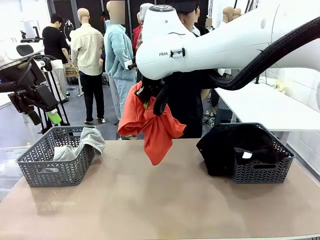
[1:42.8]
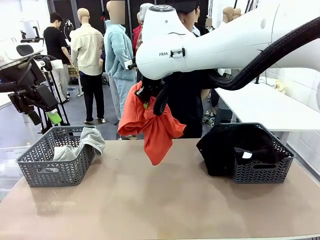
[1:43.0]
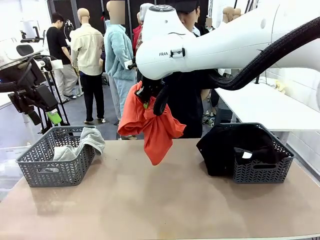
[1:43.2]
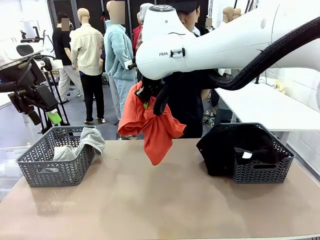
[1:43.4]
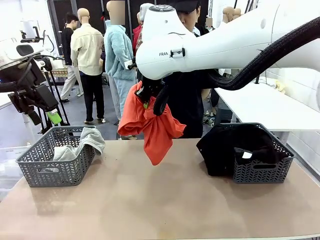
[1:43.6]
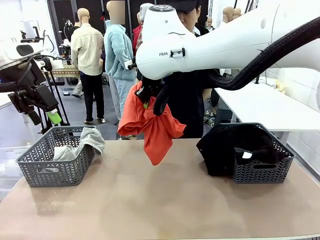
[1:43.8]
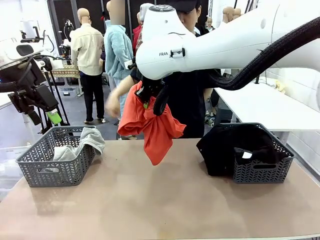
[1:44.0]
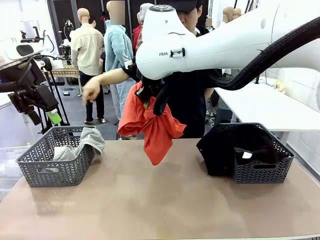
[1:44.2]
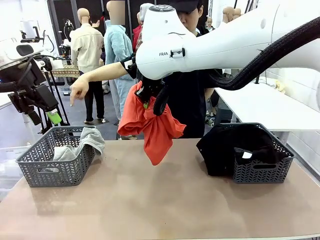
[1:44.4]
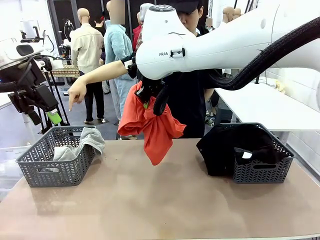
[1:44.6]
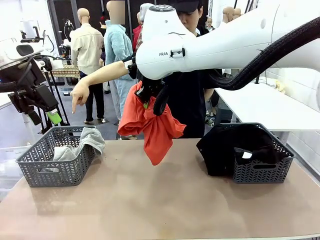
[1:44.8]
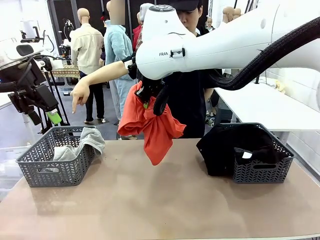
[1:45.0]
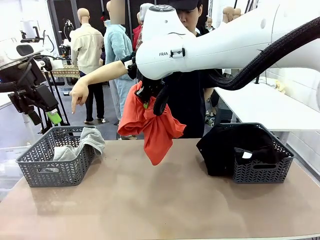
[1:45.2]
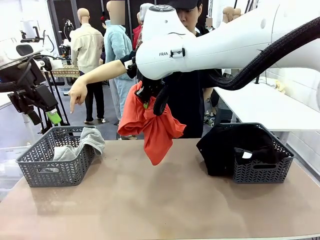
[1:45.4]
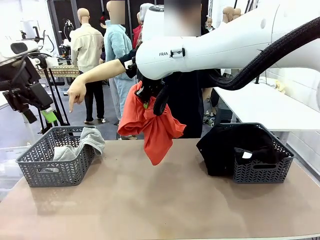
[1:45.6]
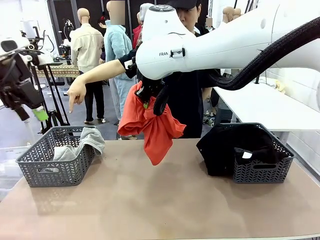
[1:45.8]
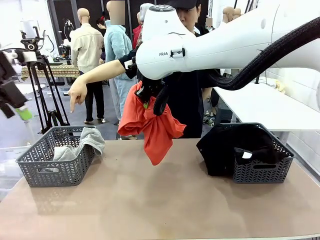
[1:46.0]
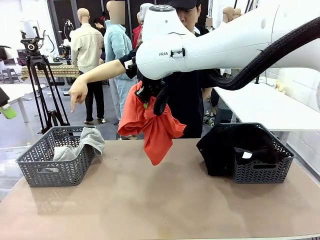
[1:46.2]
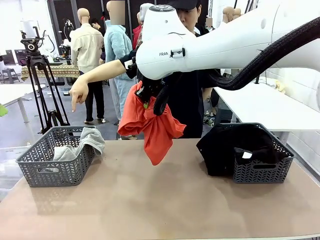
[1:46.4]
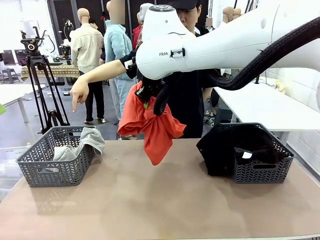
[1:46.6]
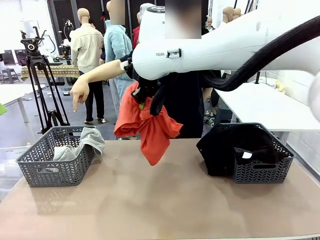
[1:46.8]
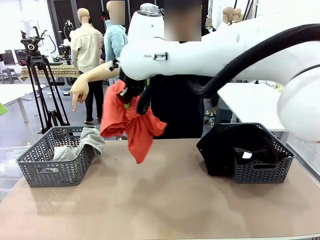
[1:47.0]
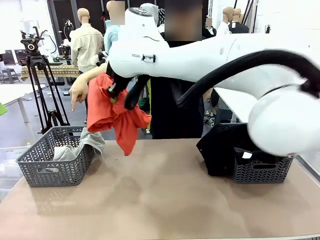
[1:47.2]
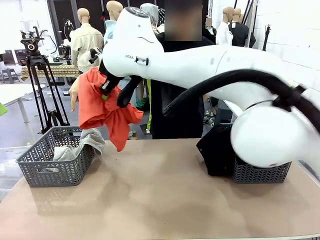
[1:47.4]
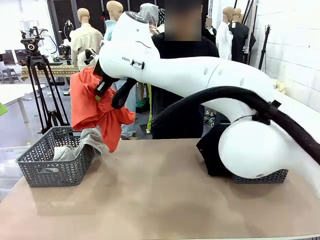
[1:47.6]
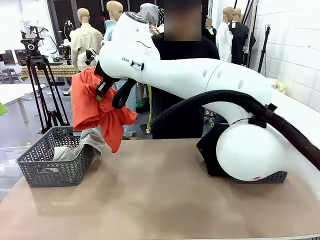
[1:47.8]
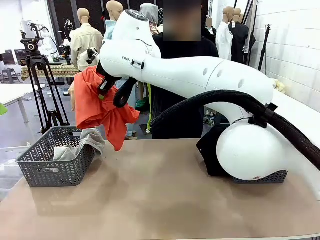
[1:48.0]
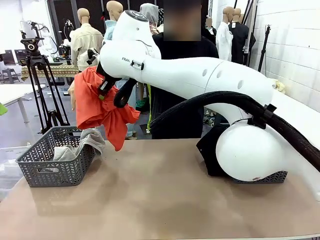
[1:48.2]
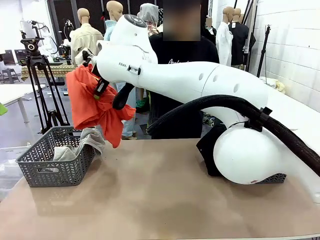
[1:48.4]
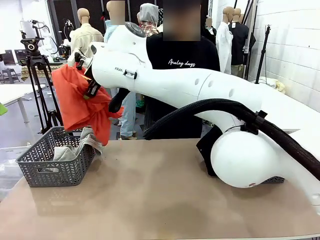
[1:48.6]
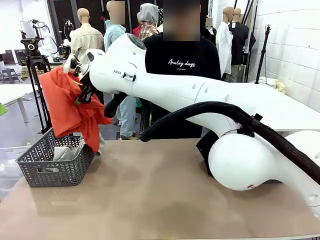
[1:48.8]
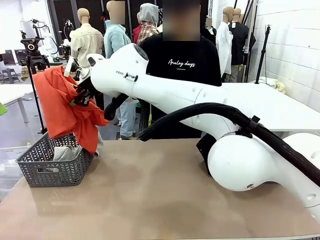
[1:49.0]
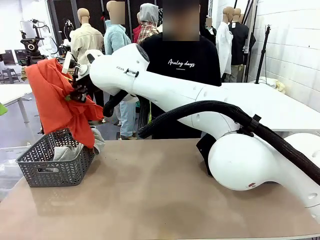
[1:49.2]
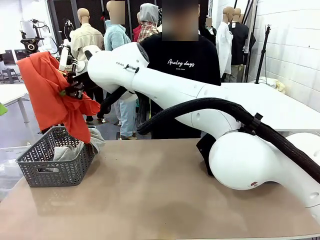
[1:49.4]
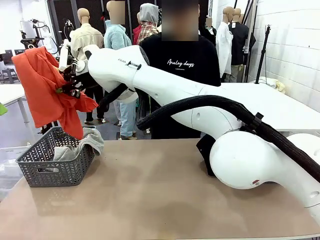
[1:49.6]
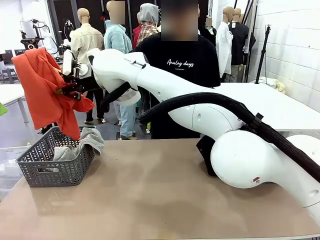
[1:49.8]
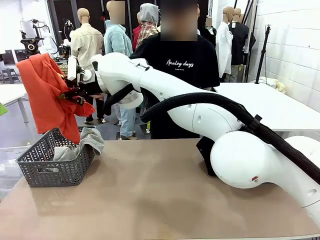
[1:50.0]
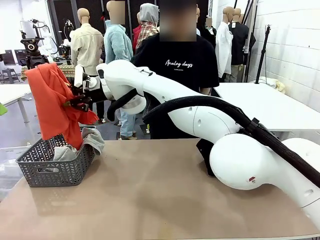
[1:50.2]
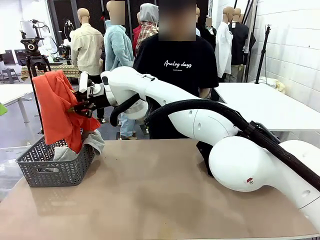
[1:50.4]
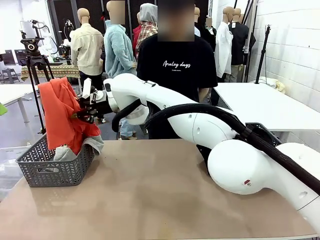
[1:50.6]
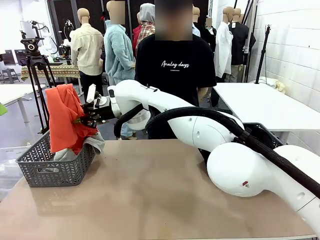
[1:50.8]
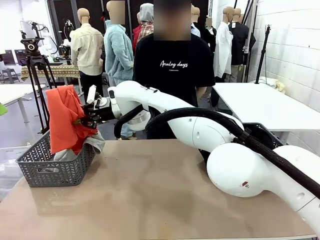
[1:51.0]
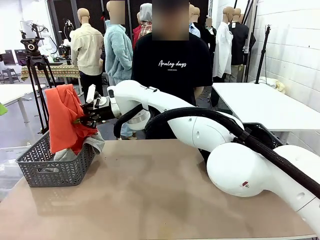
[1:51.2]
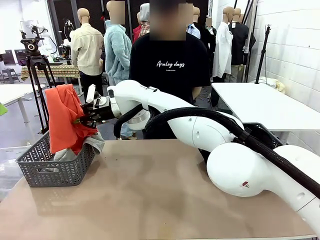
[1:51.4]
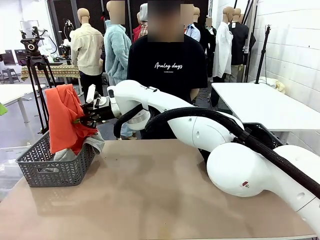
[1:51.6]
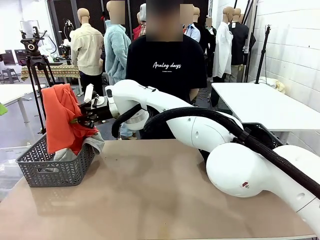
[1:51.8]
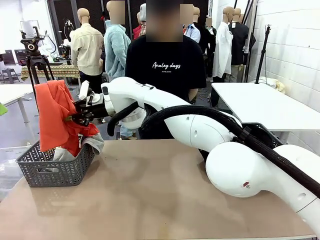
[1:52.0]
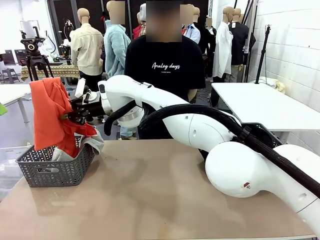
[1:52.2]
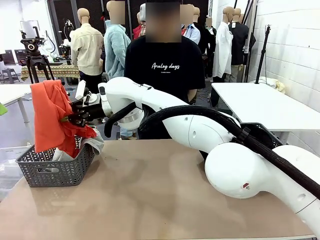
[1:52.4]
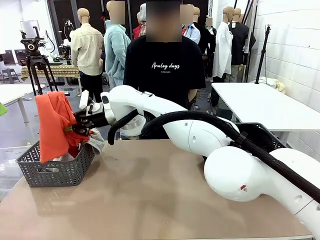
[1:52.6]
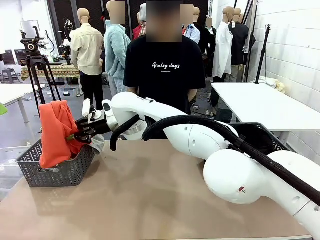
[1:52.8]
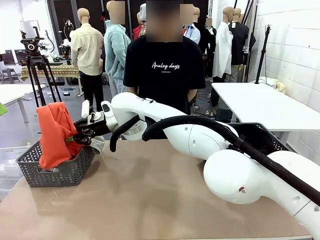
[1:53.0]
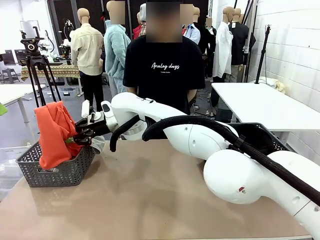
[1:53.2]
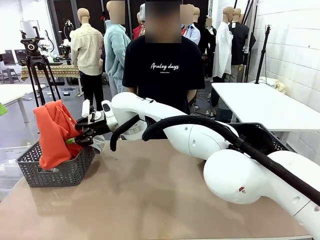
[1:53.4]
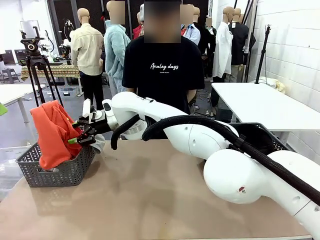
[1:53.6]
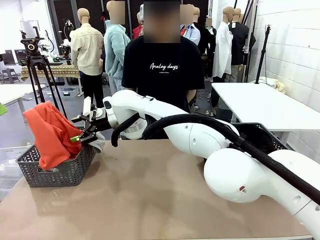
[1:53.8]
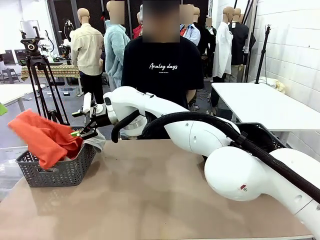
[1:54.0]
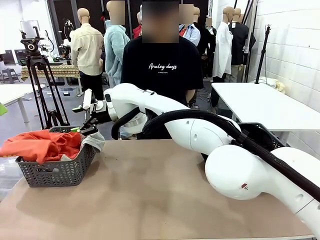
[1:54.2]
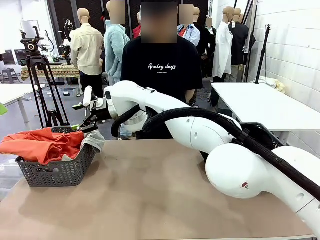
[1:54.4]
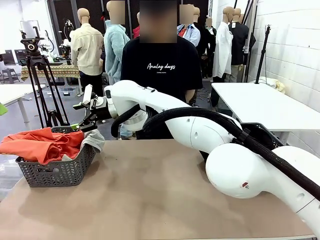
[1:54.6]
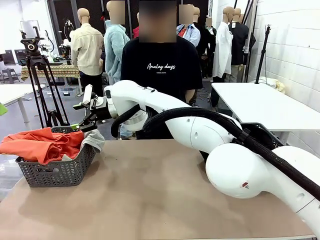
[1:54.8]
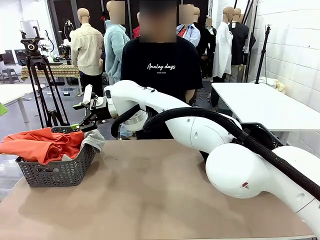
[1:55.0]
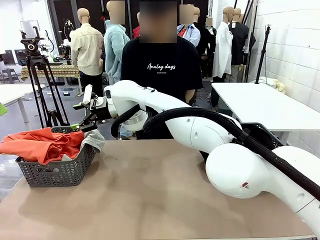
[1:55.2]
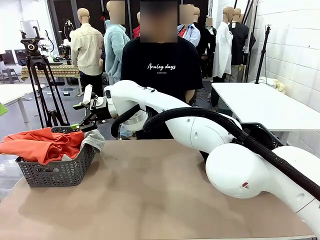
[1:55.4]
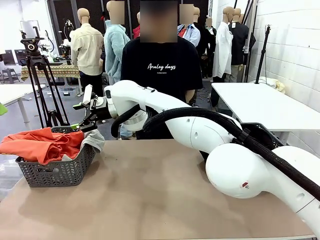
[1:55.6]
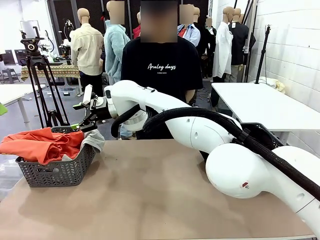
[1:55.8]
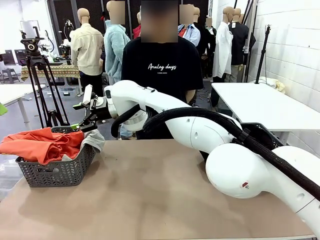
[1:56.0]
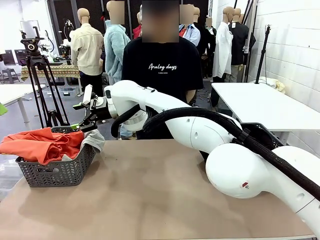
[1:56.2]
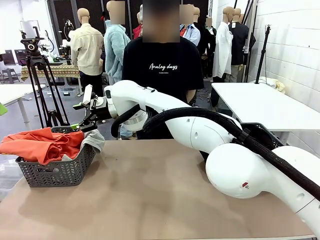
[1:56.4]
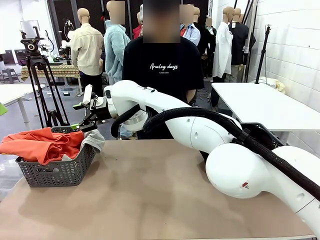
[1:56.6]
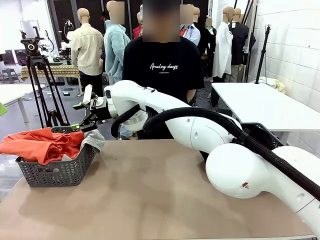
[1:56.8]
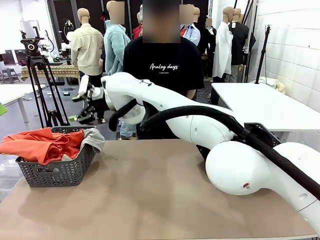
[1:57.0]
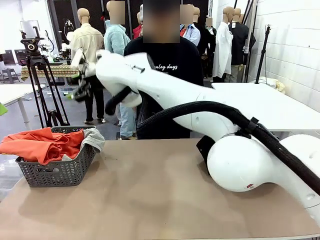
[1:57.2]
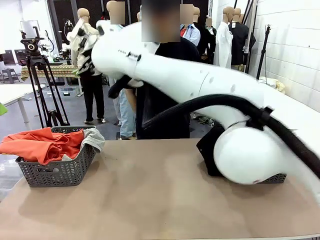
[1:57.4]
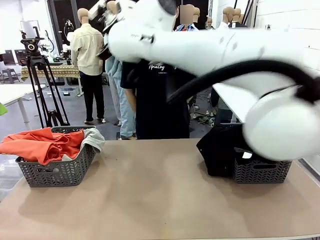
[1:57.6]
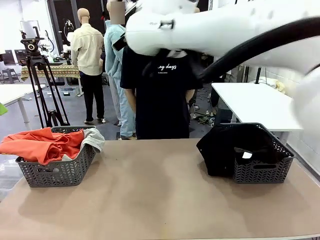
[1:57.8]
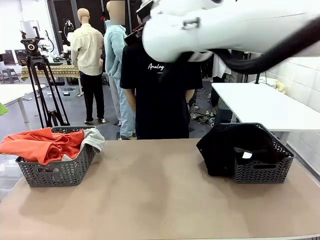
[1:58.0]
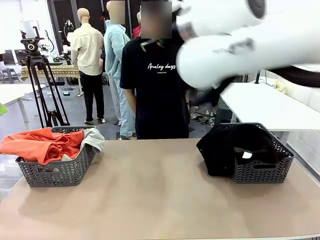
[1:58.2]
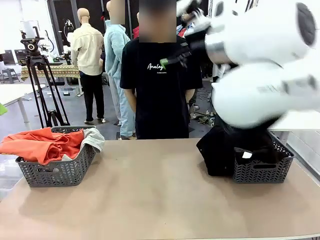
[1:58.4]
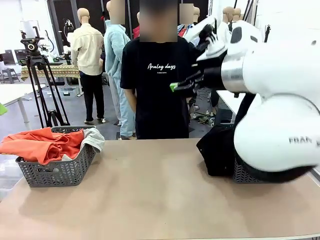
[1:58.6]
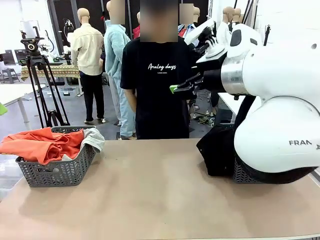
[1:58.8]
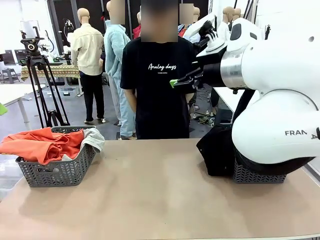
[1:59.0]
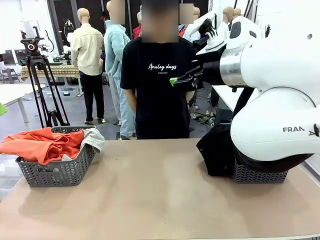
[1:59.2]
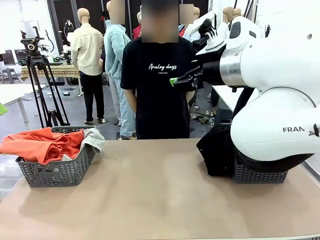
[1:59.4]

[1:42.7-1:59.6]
Task: Sort the tops and bottoms.
Robot: Sort the clothes according to human instructions.

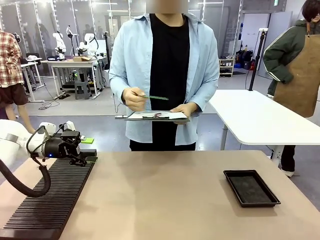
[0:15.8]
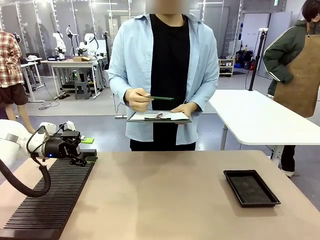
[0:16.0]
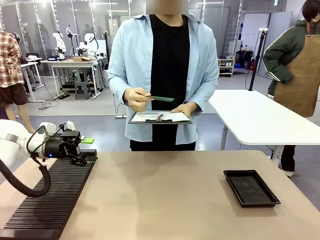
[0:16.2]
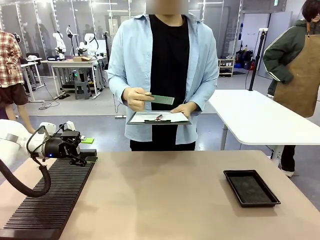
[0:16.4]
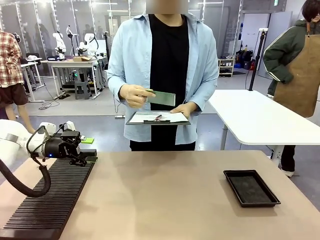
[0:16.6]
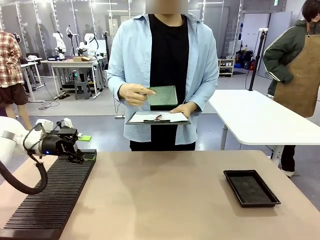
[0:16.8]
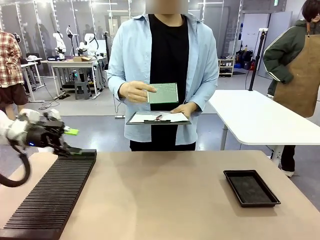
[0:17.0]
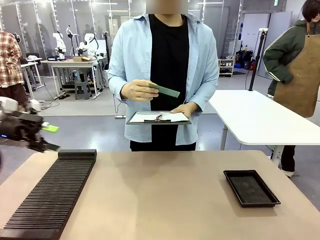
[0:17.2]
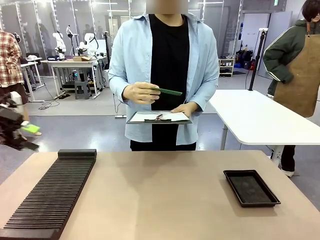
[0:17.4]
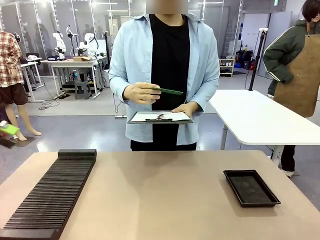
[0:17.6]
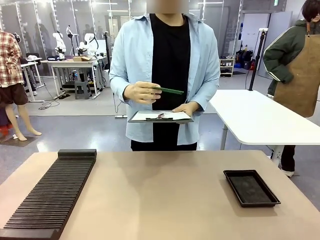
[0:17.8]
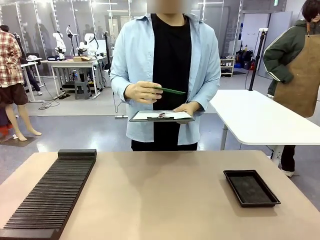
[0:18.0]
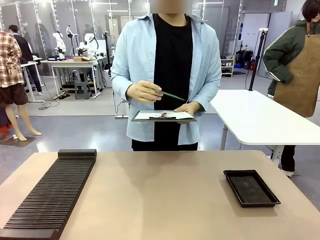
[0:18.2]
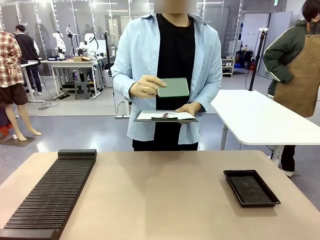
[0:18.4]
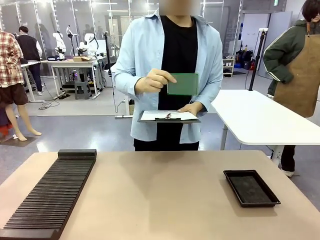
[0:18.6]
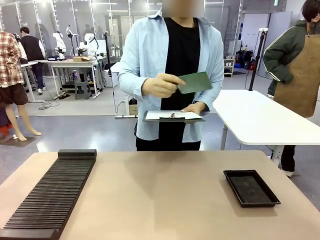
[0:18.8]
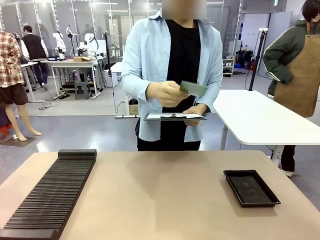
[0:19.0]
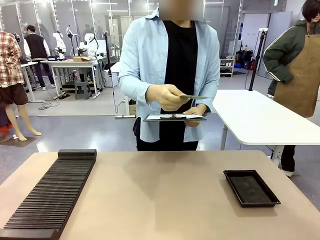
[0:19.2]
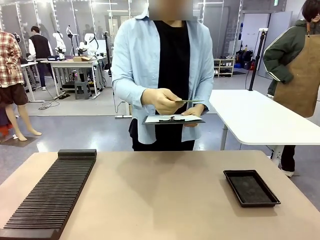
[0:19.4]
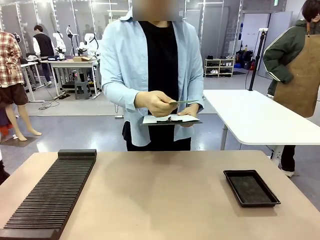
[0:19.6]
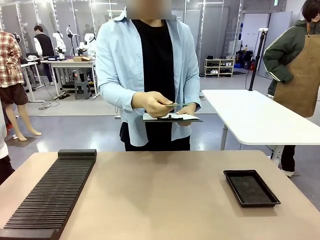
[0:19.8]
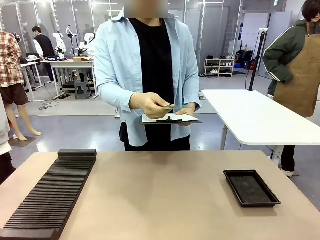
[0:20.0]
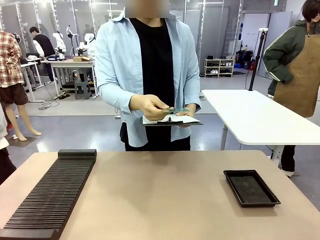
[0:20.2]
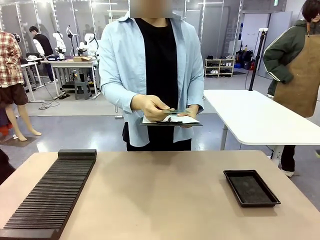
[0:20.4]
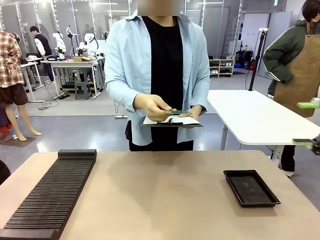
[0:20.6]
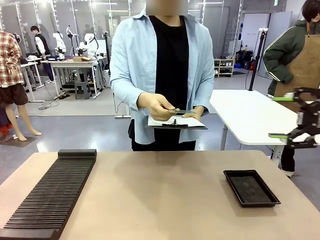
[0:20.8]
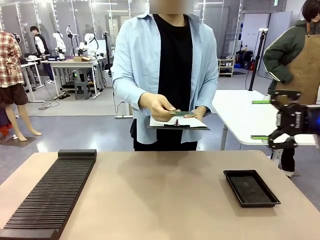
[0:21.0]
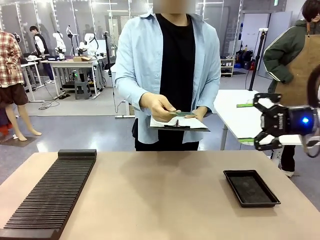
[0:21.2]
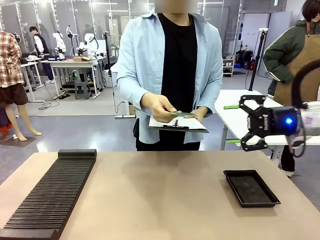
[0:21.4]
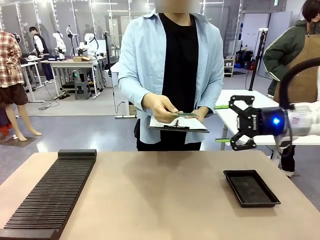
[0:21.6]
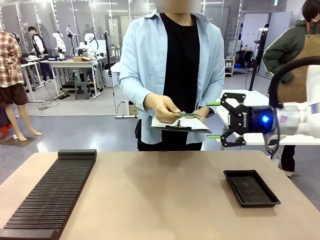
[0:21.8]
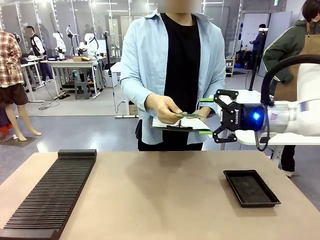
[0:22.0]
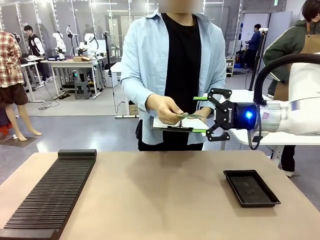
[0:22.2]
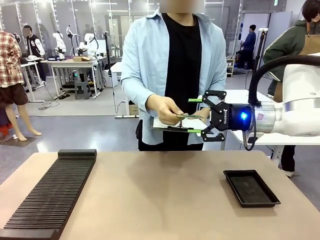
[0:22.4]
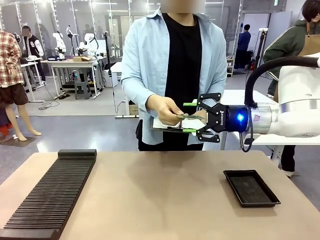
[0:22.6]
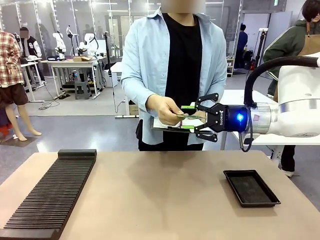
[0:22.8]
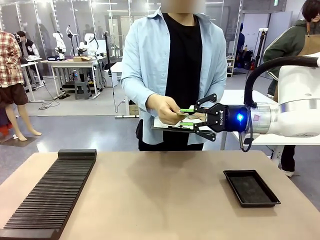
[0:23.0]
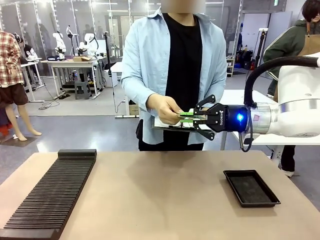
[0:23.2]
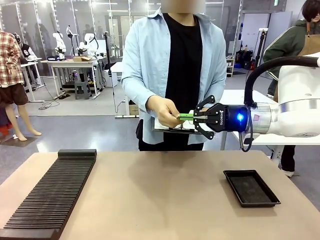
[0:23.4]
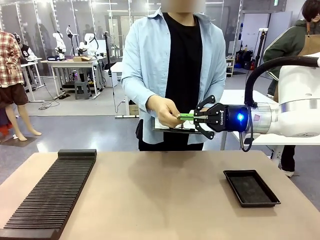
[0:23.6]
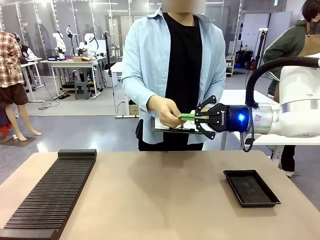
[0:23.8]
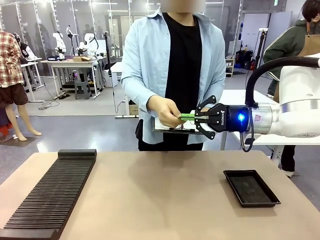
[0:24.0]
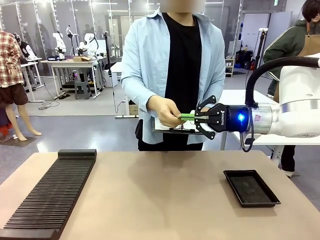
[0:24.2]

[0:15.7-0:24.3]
Task: Inspect the PCB.
Robot: Pick up the Blank PCB that the human is holding.
Person: Inspect the PCB placed by the robot, then hold it out in front of the robot. Release the PCB you were holding.
